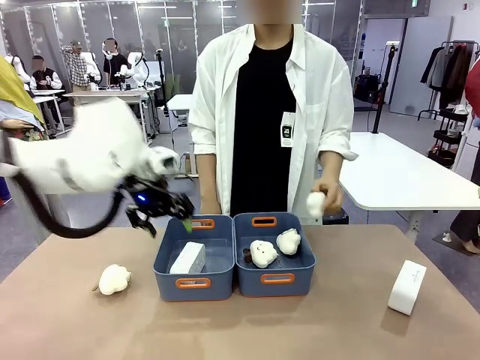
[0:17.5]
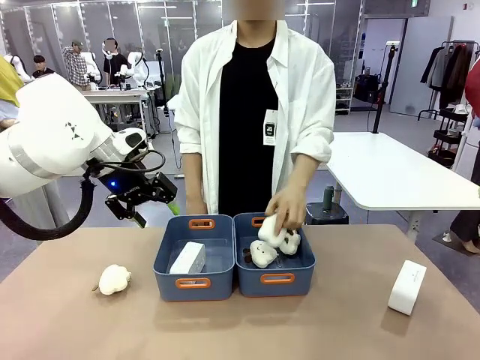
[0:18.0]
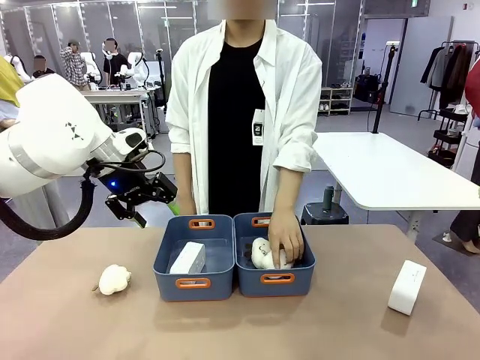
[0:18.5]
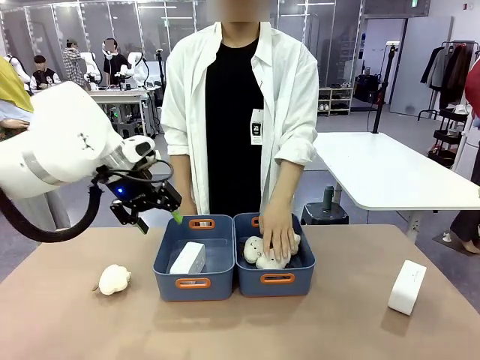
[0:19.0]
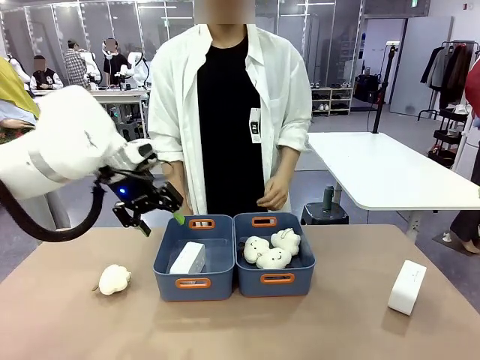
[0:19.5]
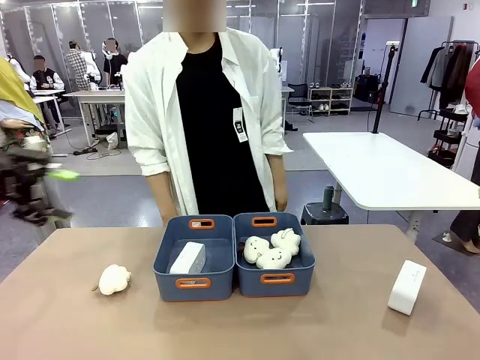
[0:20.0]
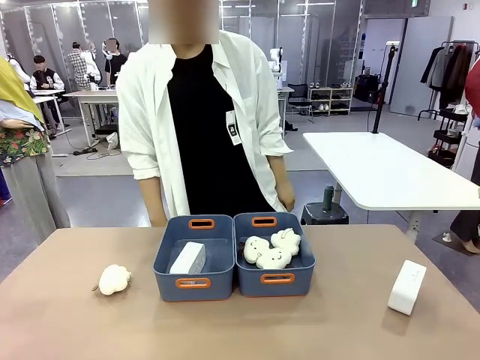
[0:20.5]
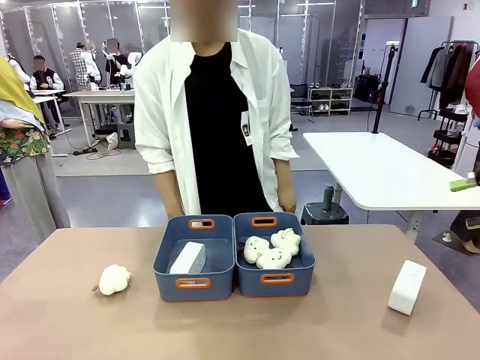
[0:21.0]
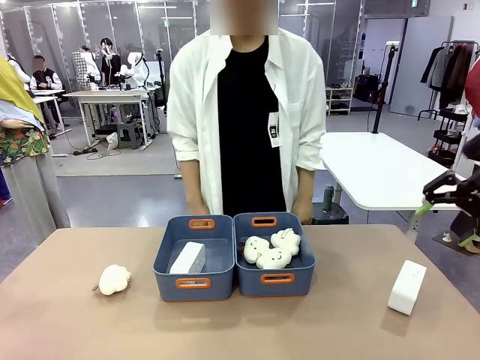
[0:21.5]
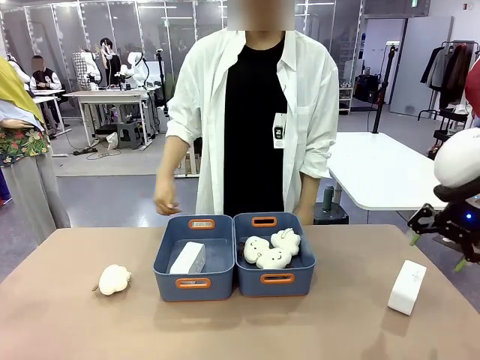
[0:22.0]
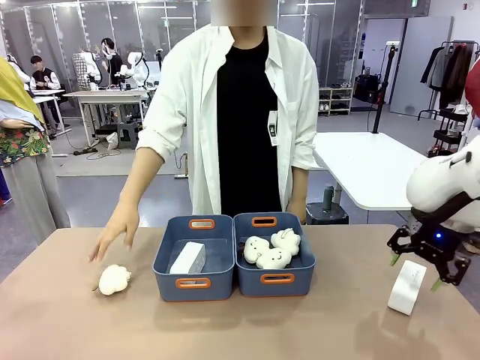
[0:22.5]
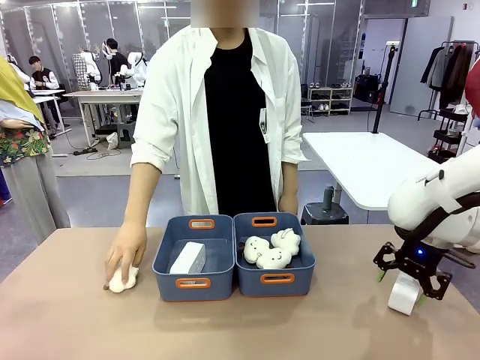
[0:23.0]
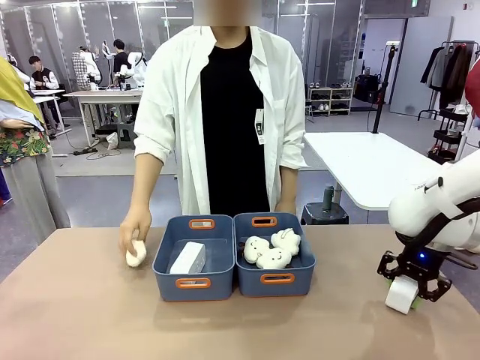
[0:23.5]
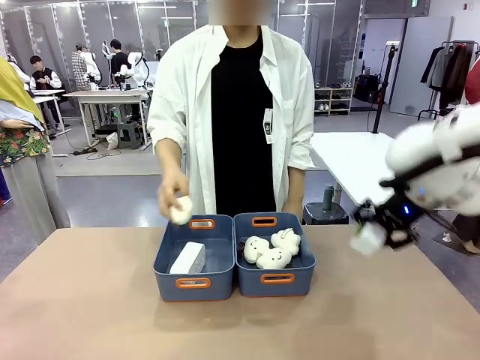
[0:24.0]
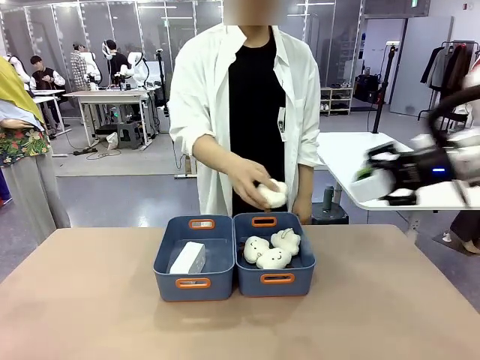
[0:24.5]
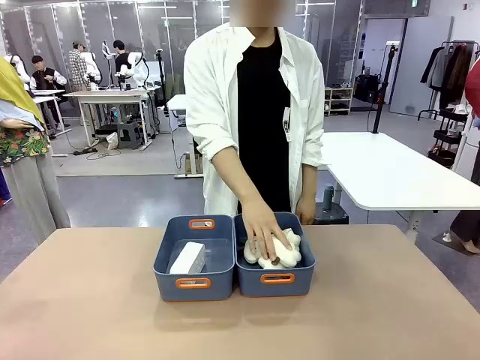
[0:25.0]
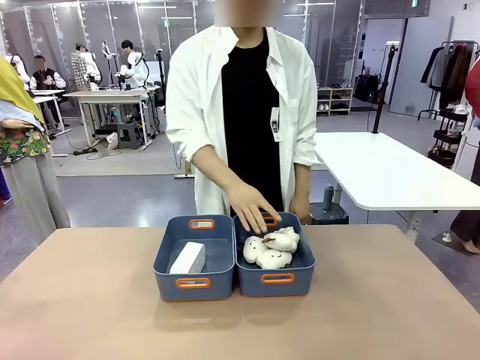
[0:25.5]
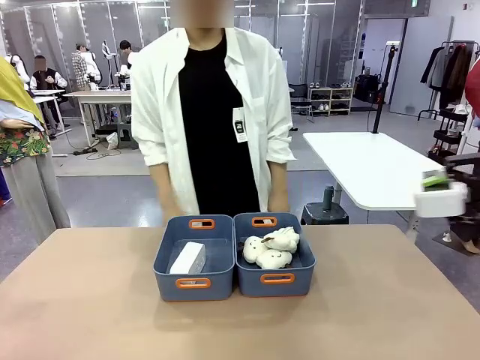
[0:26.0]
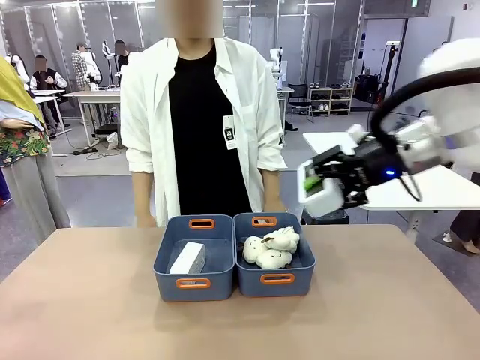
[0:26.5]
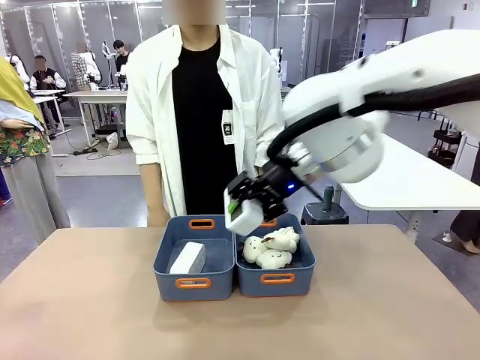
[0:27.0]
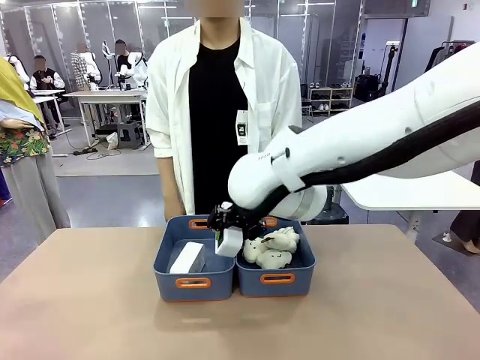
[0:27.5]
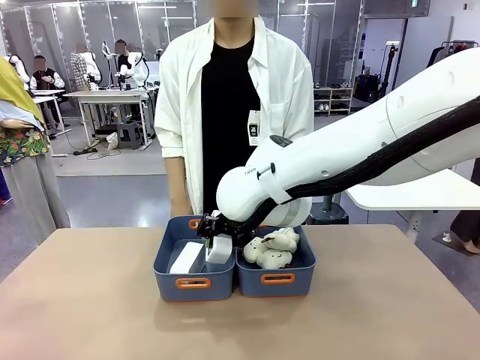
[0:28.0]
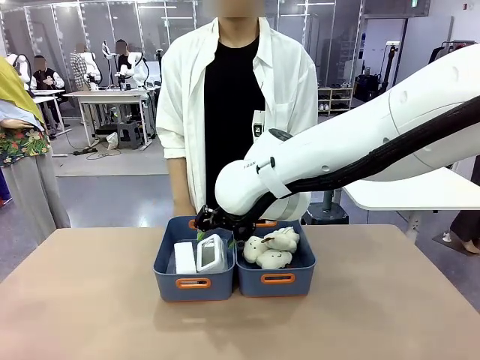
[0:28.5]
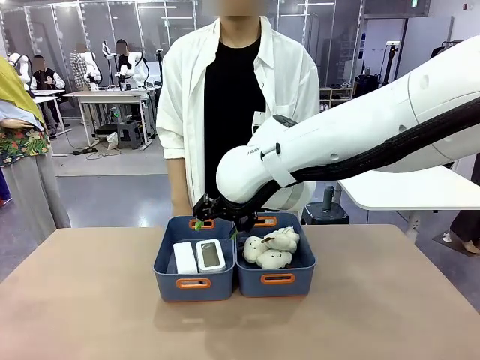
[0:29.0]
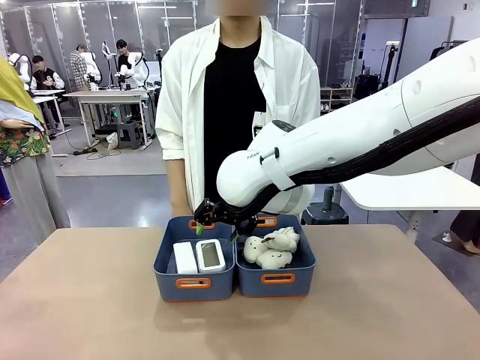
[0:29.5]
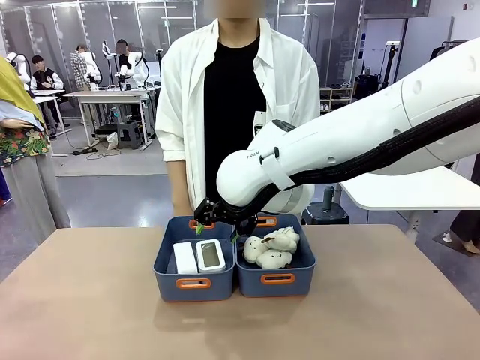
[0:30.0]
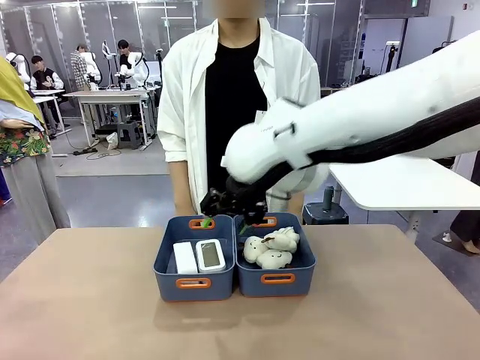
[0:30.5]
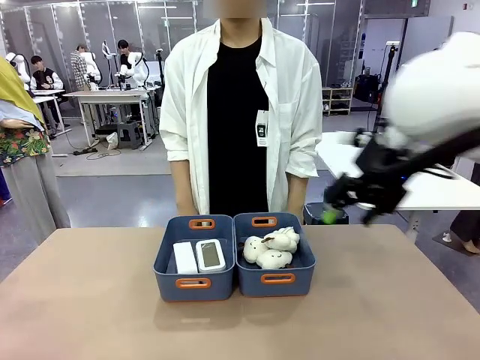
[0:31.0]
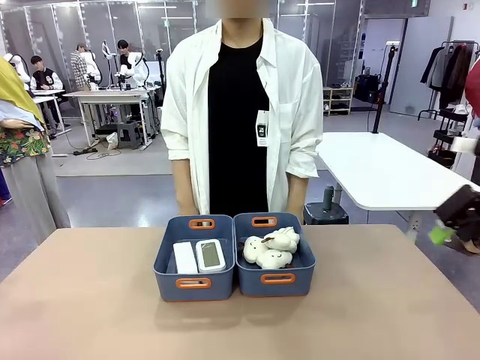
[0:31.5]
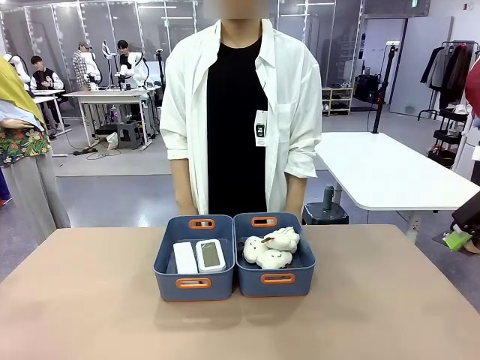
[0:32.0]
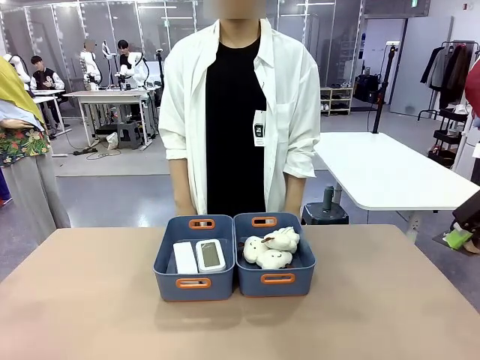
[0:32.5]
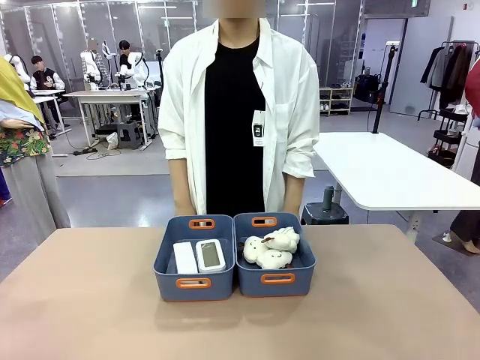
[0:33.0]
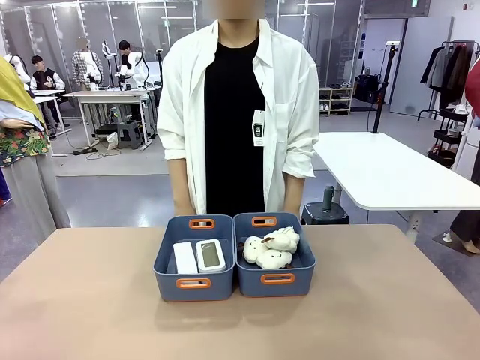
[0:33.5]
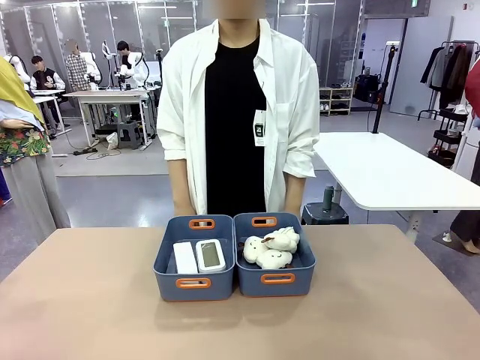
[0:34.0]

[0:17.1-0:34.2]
Task: Sort the digital clocks into the basket.
Robot: Pick up the Digital clock from the table and place it into the empty Plastic storage basket.
Person: Pick up a plush toy from the table and place it in the plastic storage basket containing the plush toy.

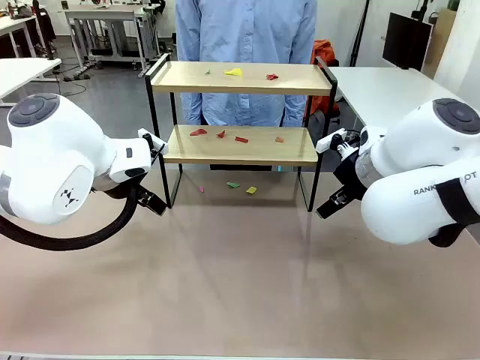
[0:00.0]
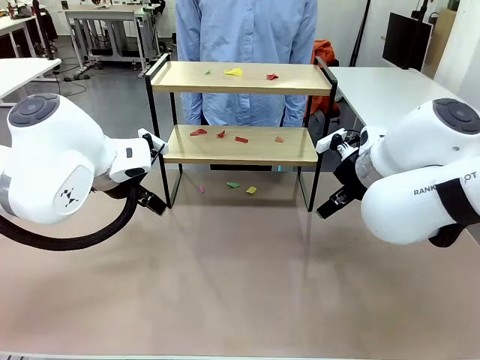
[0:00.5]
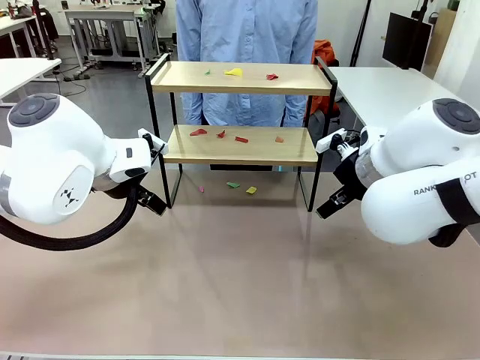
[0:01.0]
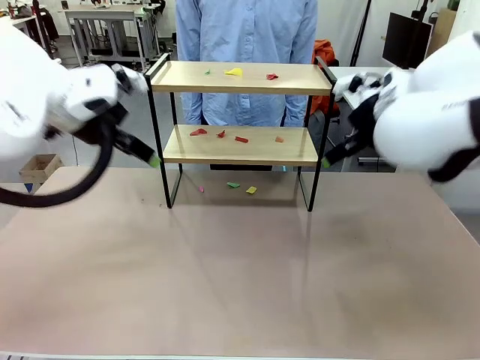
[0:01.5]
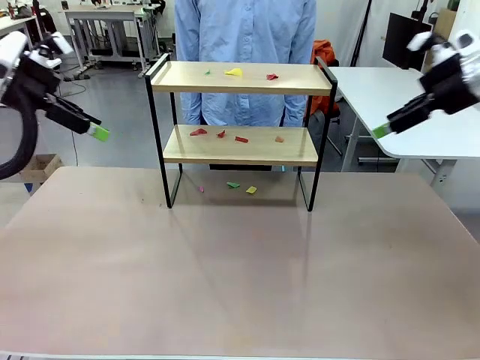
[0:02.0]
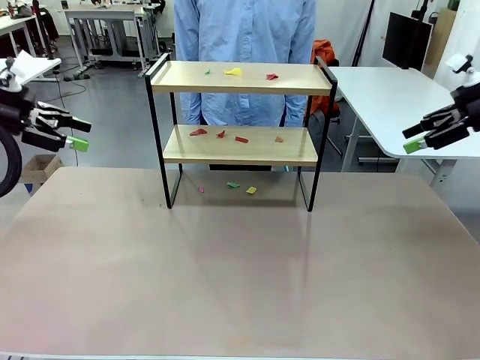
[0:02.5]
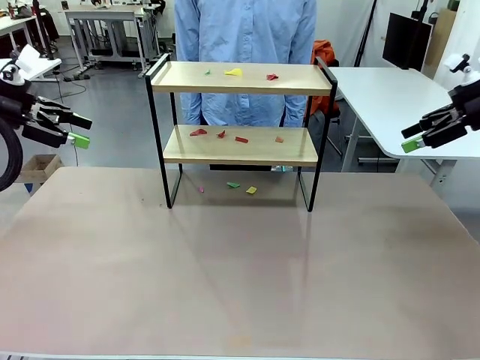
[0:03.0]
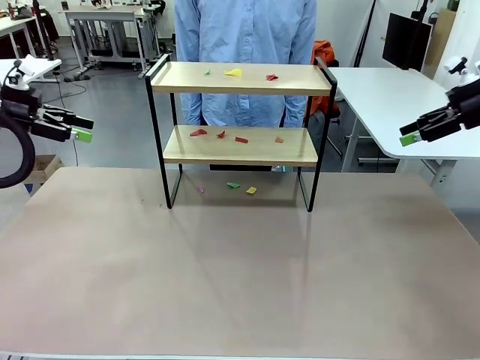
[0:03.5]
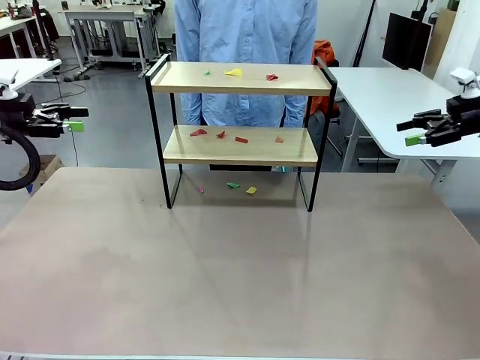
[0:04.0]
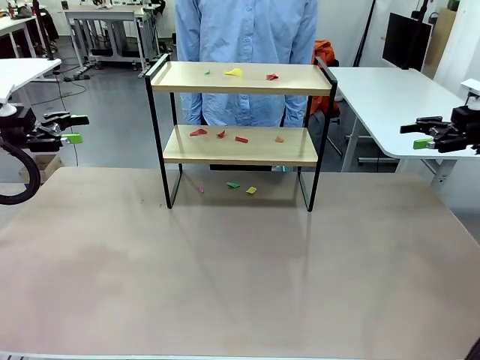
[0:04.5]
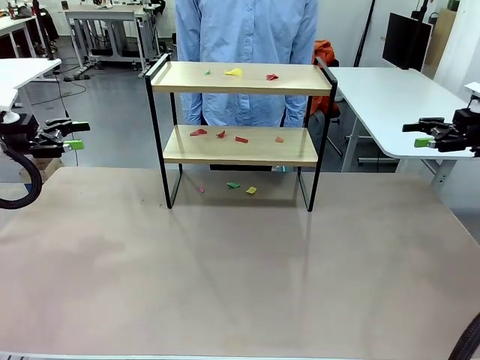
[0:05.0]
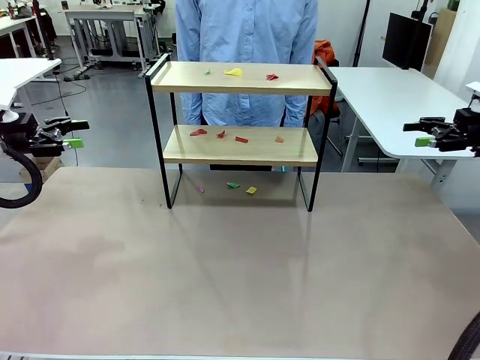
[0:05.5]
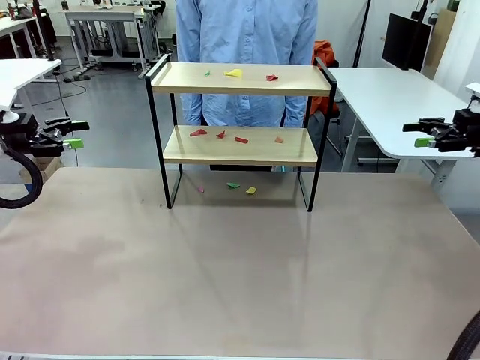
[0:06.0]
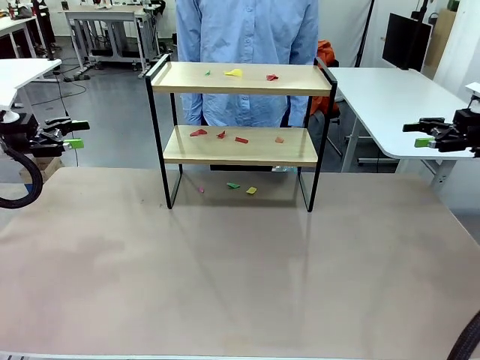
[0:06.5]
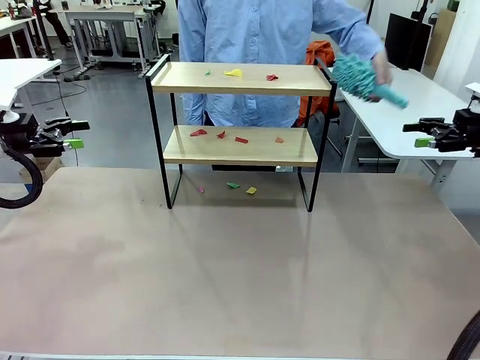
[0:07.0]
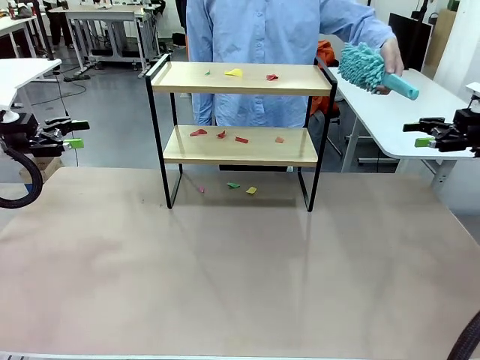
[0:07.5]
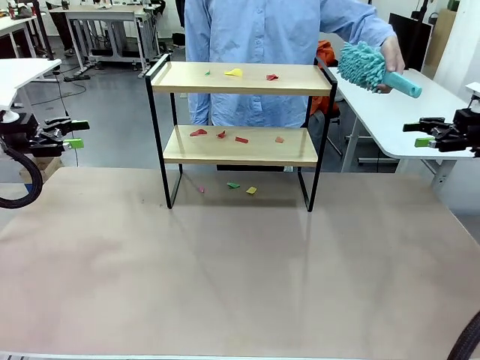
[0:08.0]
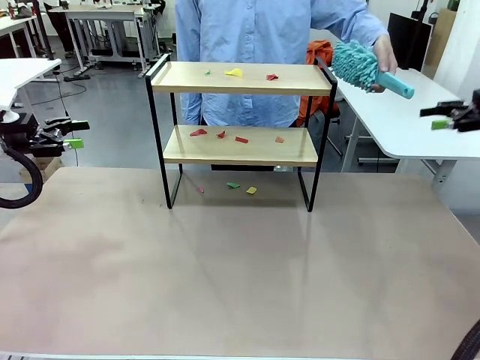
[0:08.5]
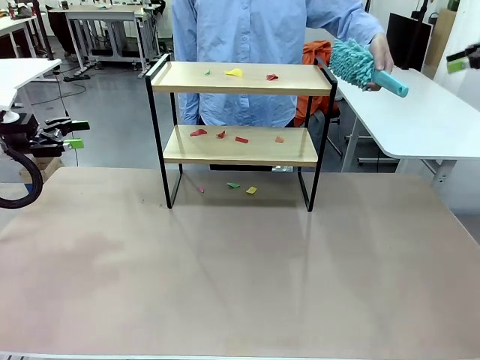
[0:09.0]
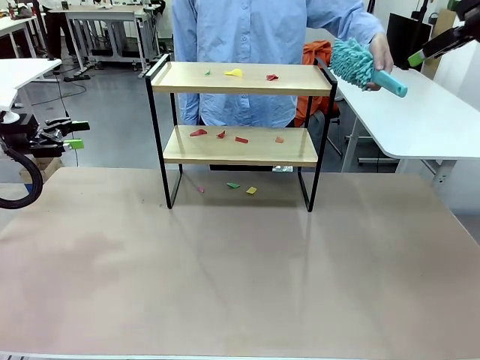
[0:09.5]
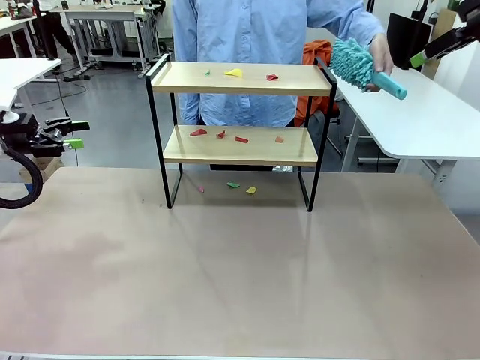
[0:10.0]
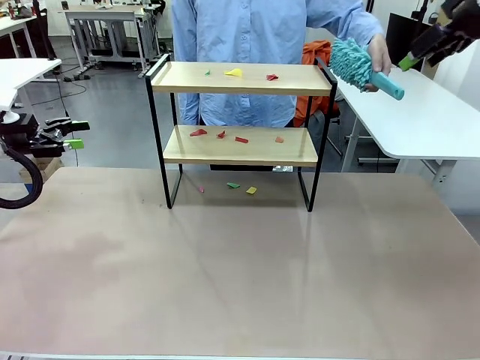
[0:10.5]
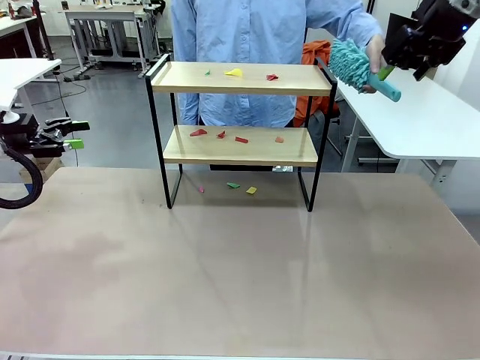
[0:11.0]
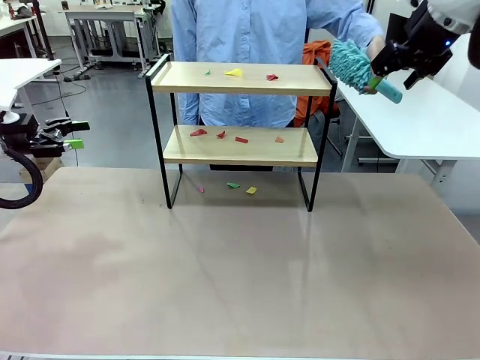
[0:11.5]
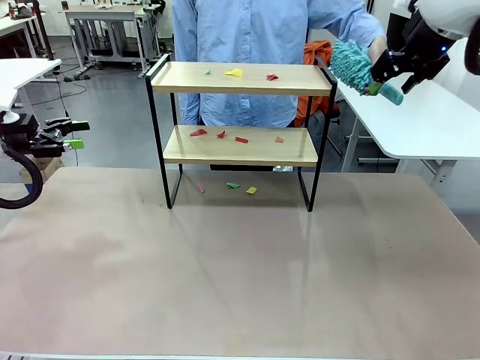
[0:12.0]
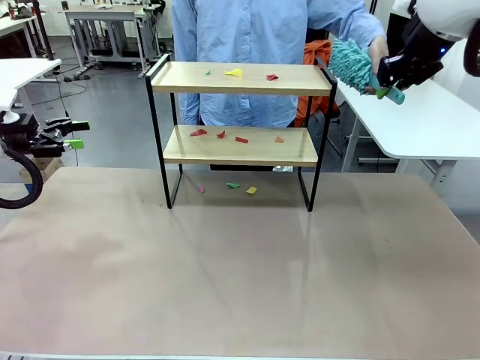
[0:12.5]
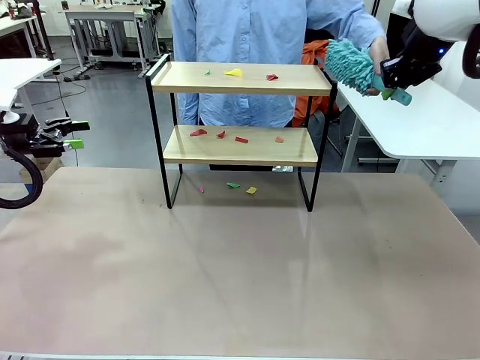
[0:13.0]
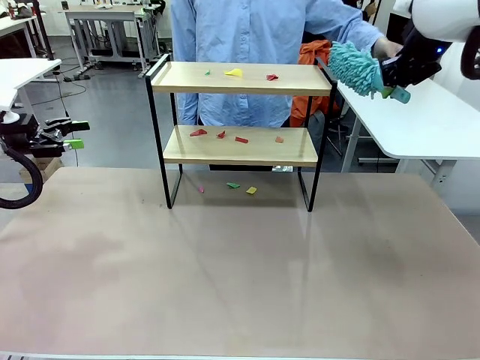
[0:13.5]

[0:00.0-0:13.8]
Task: Clean the shelf.
Robot: Pick up the Duster handed by the human.
Person: Hand the Duster to the robot.
